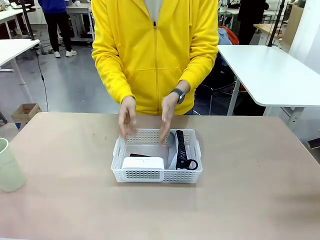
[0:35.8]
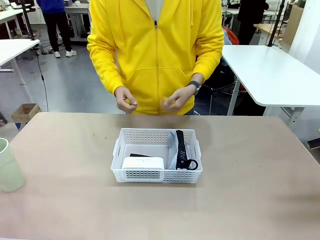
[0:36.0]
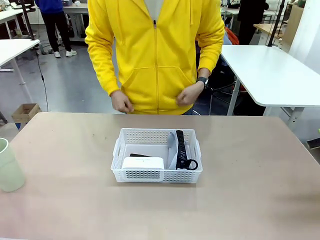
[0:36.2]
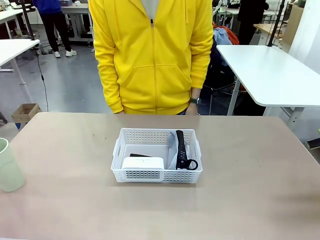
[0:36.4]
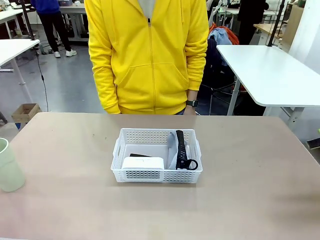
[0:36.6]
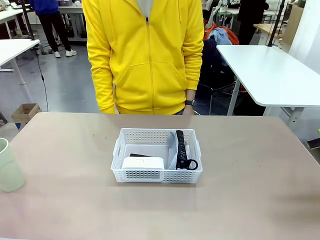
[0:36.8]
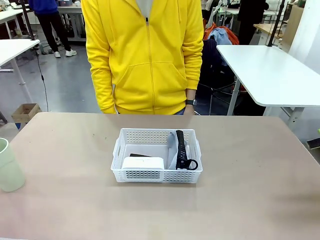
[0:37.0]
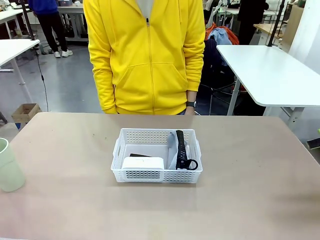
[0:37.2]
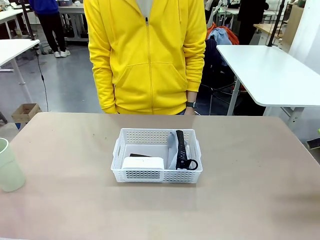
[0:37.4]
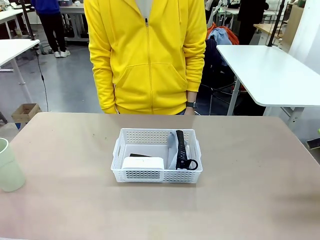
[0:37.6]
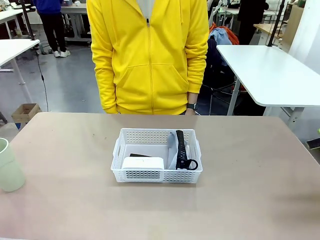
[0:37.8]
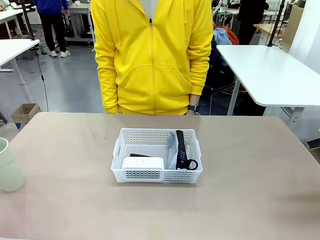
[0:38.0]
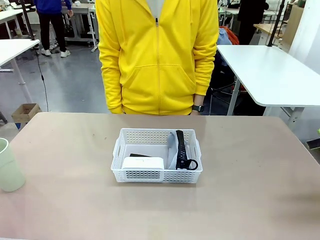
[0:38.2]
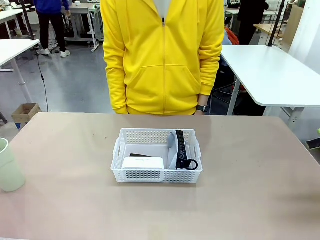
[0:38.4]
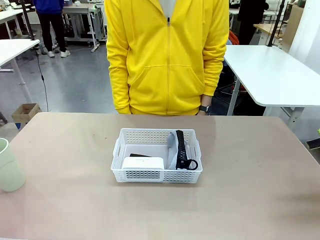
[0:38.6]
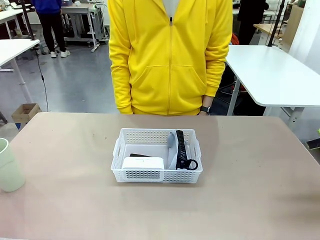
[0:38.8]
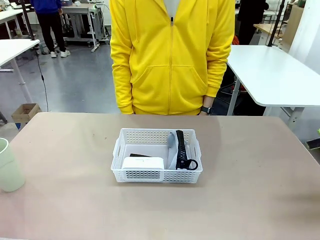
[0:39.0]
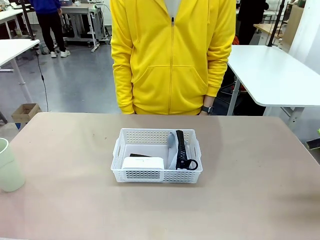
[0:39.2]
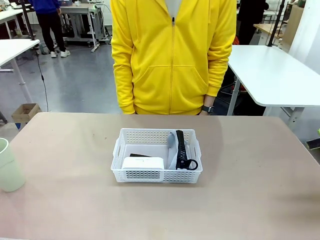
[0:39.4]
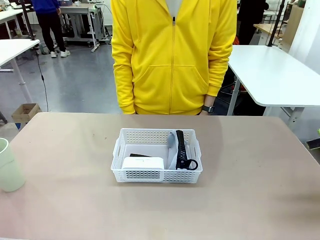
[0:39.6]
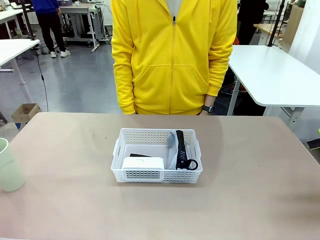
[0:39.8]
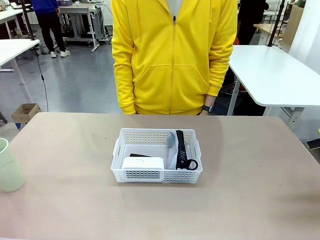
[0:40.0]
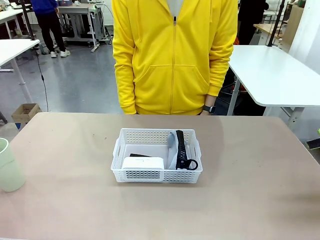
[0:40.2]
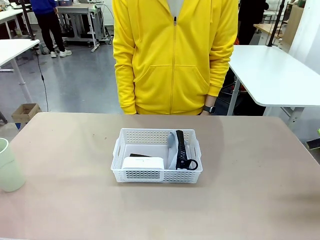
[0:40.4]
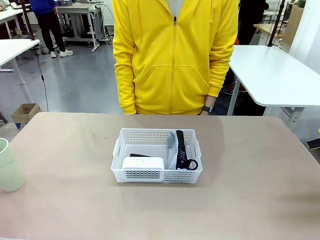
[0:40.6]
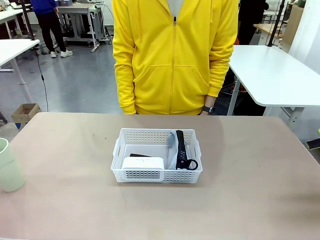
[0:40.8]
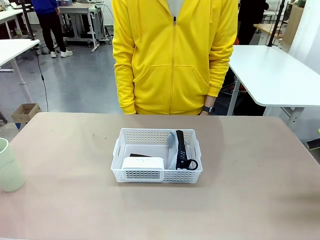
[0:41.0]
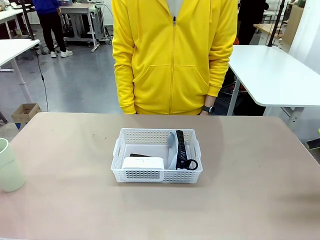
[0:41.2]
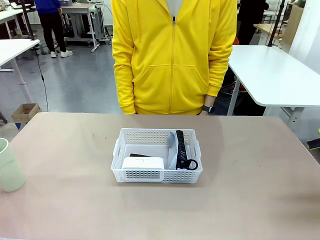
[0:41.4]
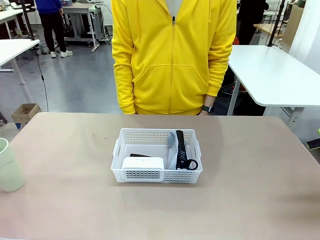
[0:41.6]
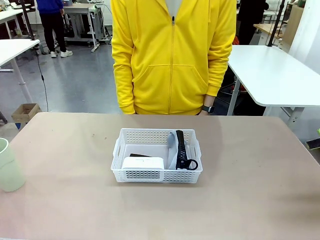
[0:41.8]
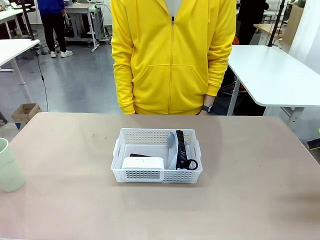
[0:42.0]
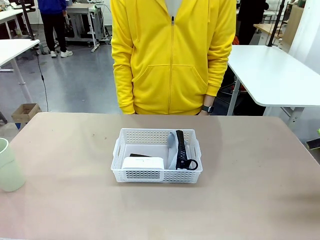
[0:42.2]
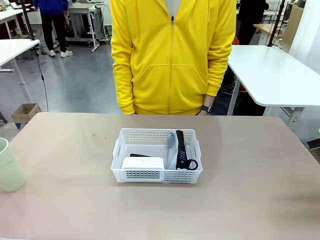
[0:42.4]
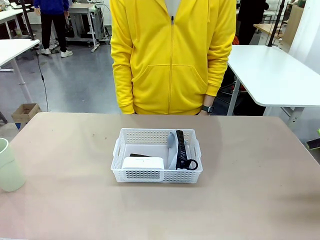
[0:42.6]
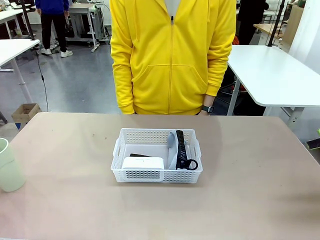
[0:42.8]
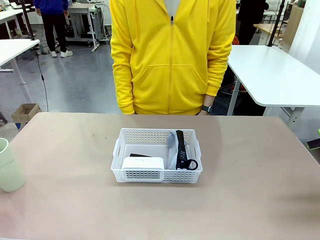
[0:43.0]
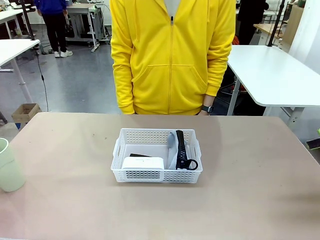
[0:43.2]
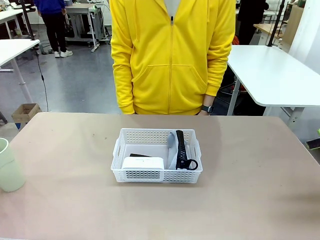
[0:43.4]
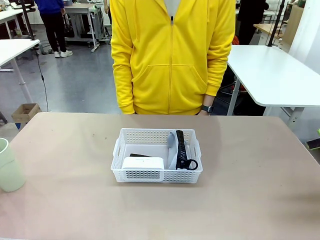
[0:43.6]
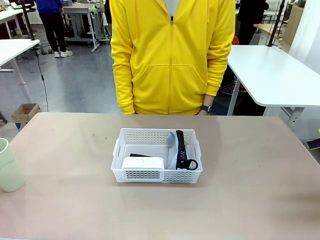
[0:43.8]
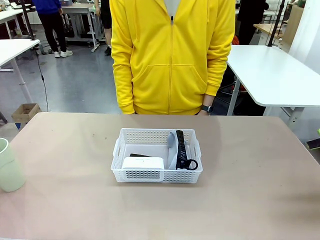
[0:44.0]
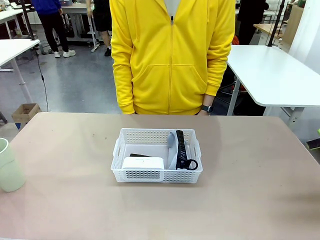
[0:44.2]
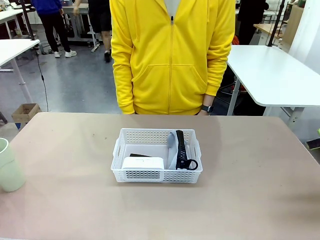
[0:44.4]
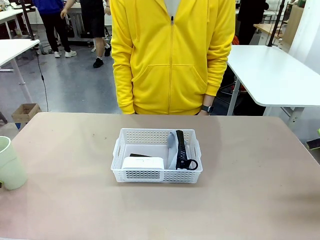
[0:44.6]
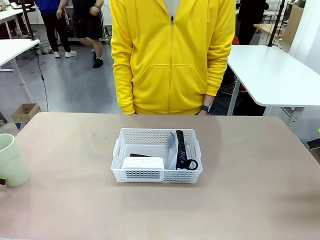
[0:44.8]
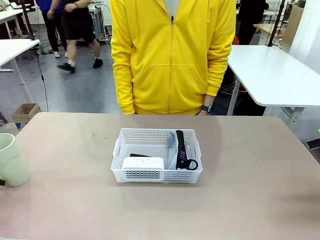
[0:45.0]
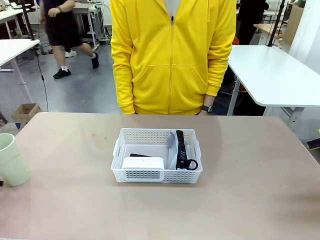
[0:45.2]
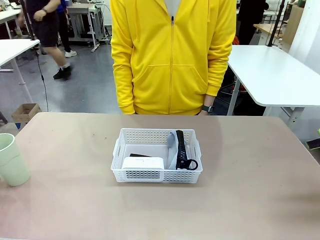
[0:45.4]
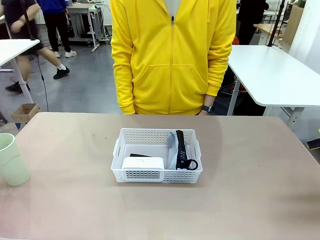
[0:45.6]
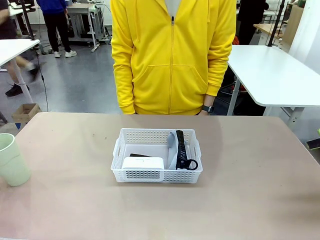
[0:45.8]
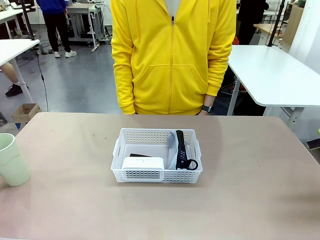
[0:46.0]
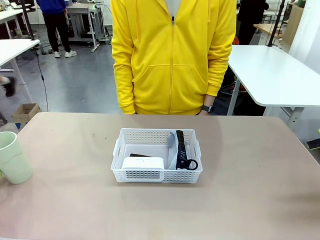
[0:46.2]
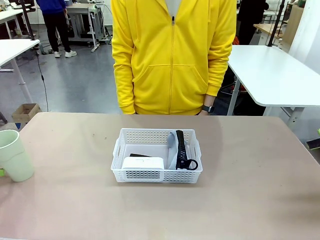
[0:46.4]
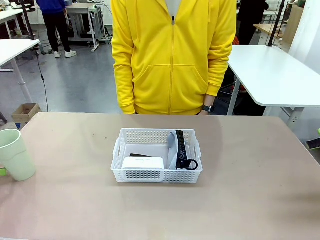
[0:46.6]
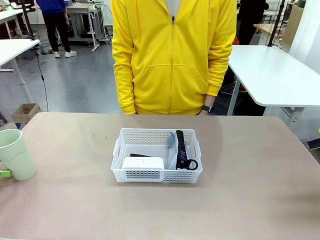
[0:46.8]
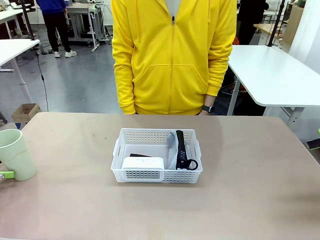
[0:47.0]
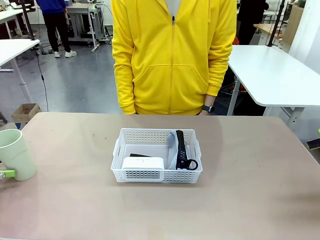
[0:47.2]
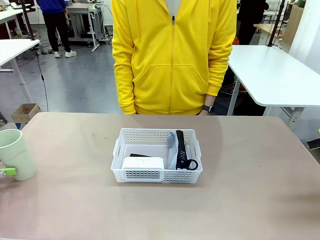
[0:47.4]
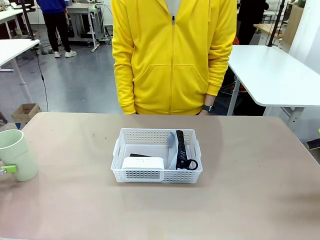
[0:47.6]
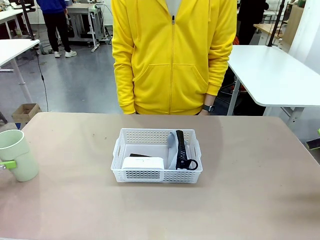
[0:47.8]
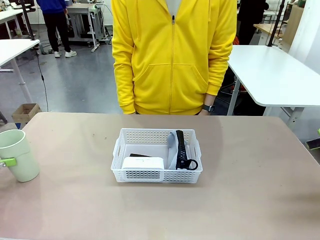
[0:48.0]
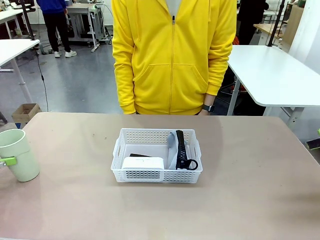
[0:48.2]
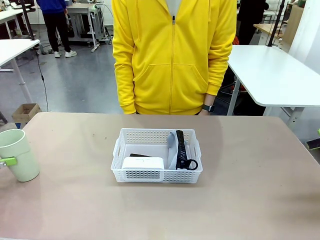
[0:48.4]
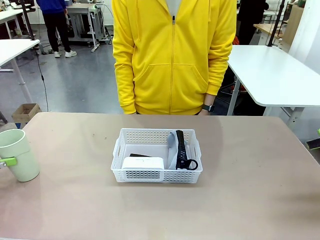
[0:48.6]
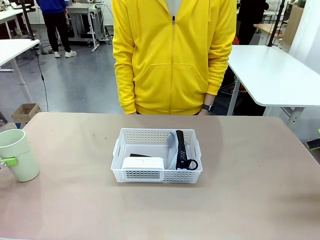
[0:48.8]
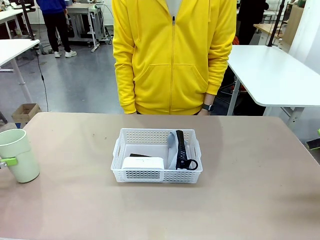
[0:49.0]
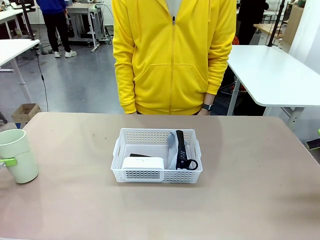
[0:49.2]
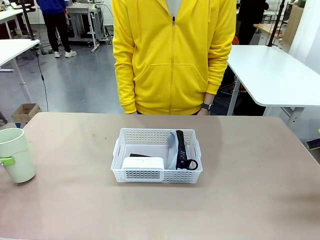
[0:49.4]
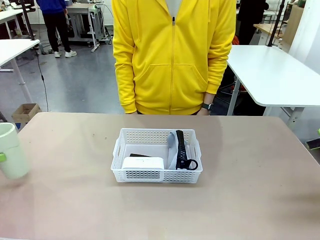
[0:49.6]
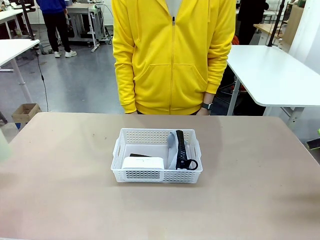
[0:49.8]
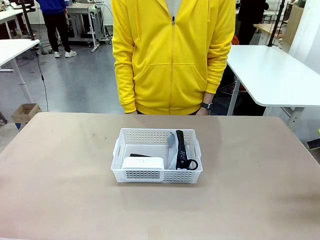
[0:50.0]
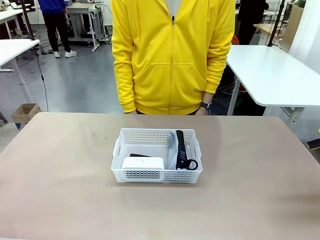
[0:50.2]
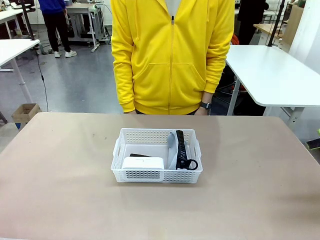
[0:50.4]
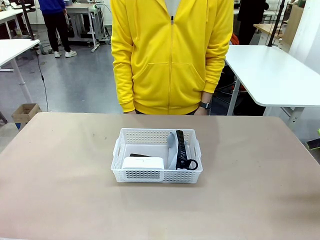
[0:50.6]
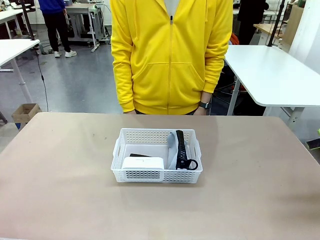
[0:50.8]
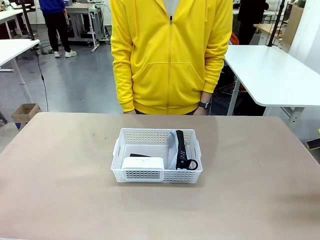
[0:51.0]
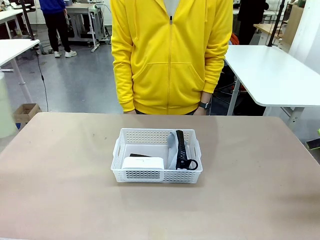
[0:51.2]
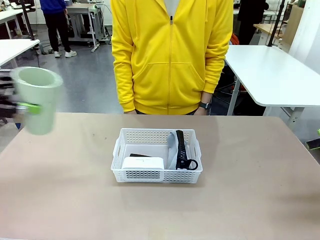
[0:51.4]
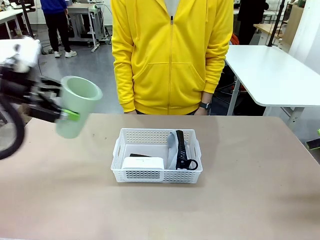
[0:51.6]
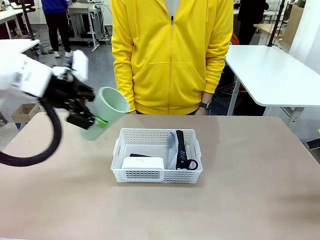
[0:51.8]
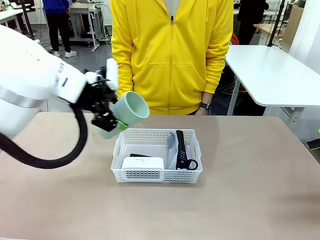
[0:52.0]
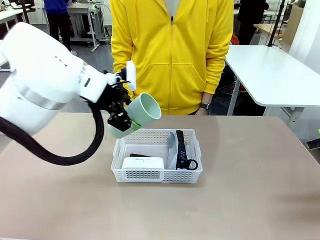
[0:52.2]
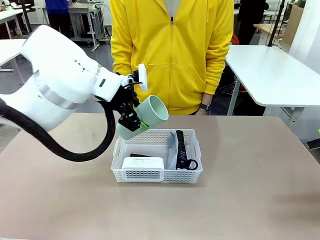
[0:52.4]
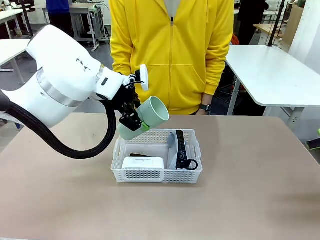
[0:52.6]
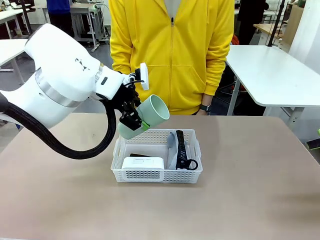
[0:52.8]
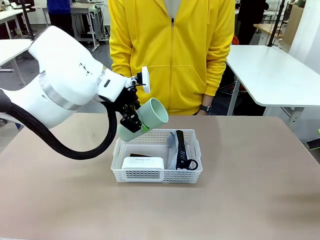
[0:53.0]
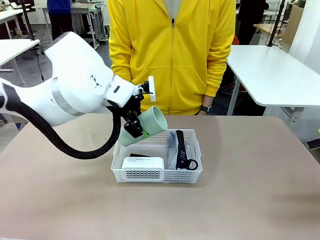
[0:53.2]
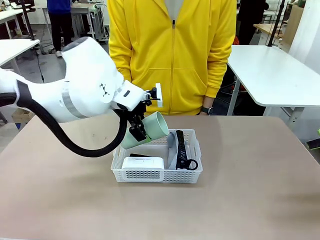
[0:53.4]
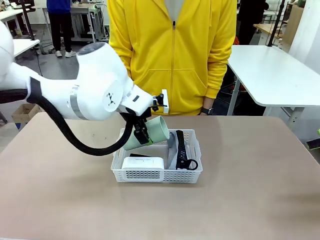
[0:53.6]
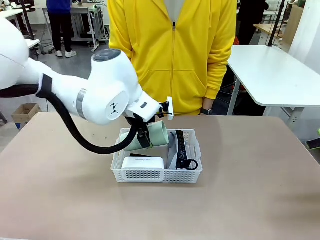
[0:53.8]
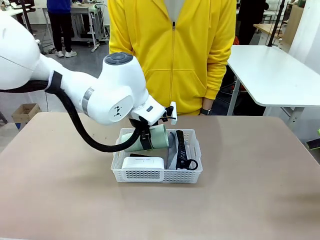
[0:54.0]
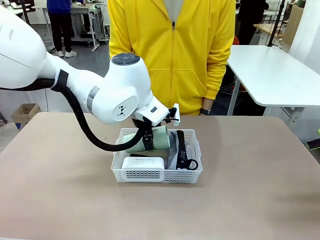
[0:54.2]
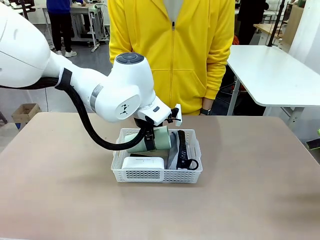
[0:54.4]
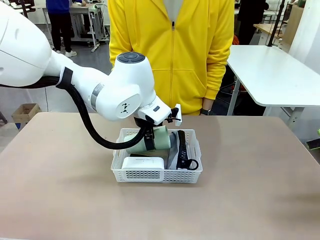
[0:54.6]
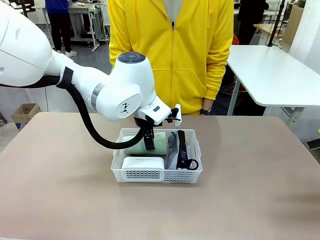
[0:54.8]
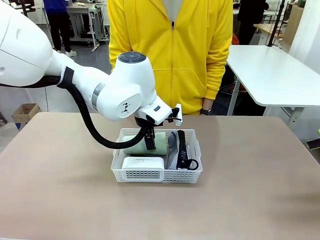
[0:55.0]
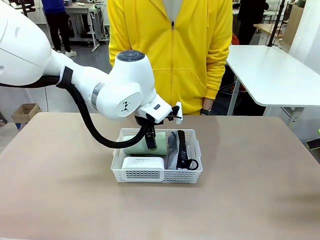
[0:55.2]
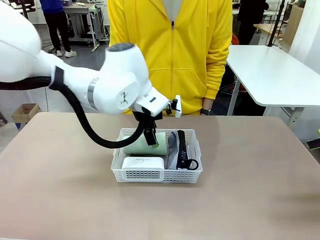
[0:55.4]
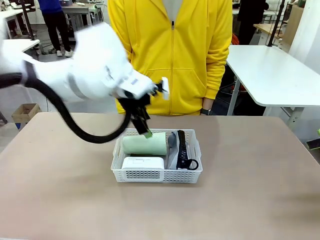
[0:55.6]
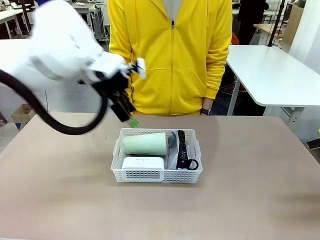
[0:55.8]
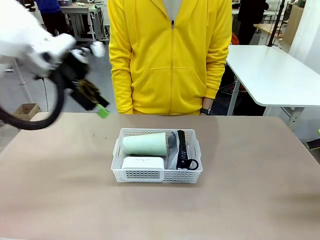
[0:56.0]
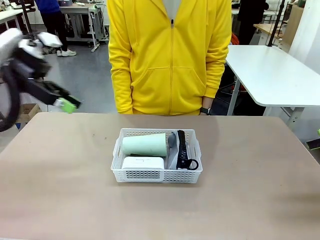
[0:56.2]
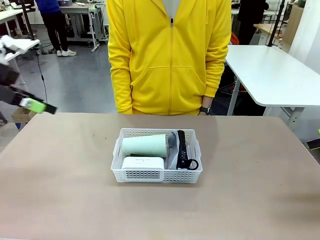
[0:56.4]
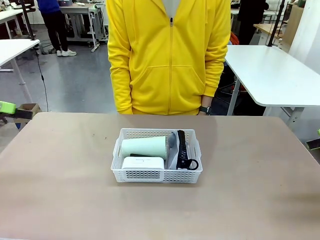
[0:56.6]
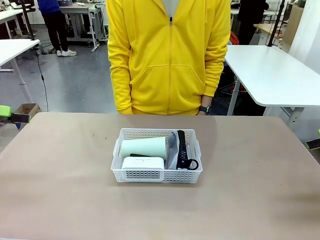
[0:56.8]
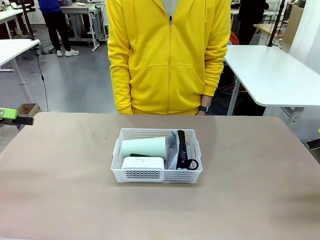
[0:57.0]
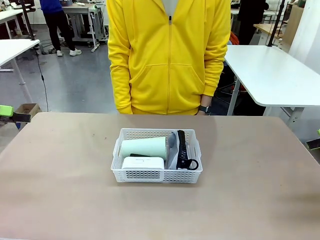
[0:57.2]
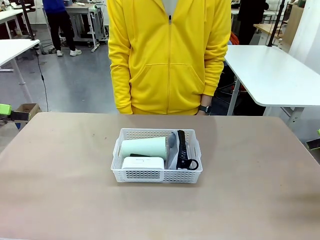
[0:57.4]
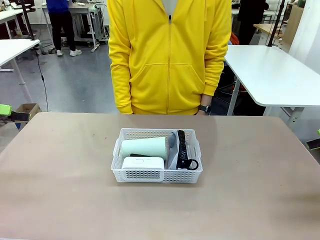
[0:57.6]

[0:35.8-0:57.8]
Task: Efficiently arrange items inside the basket to fit them all.
Robot: Pick up the Reusable plastic cup and place it inside the Organizing basket.
Person: Repositions the stapler.
